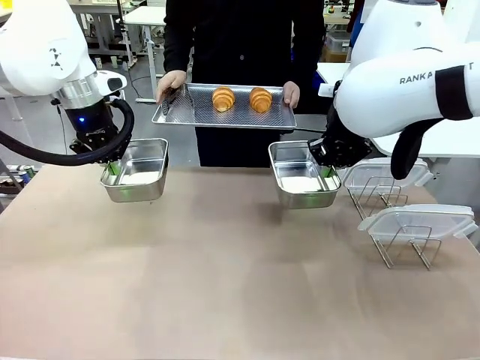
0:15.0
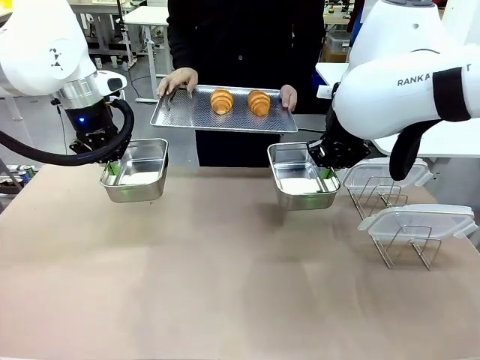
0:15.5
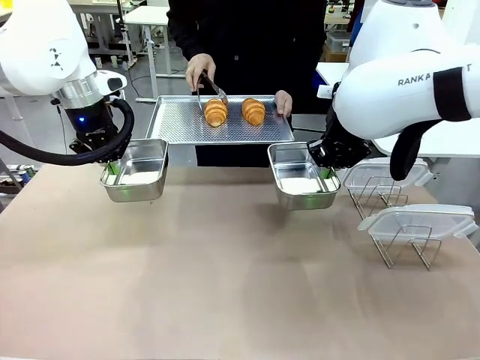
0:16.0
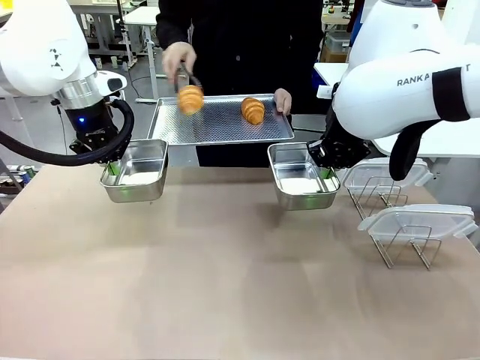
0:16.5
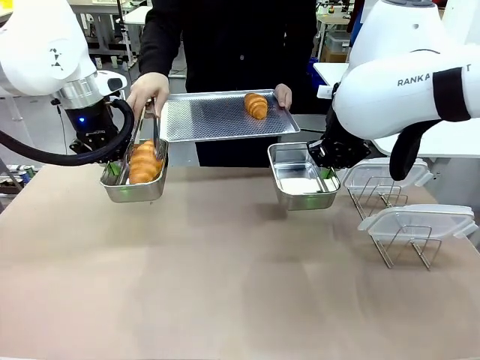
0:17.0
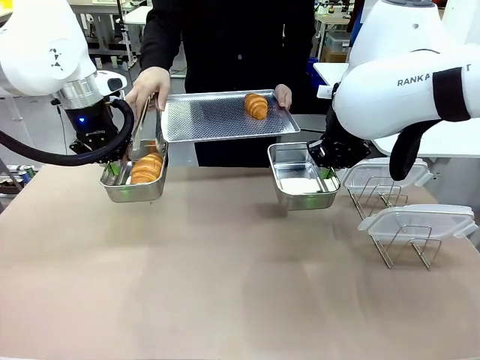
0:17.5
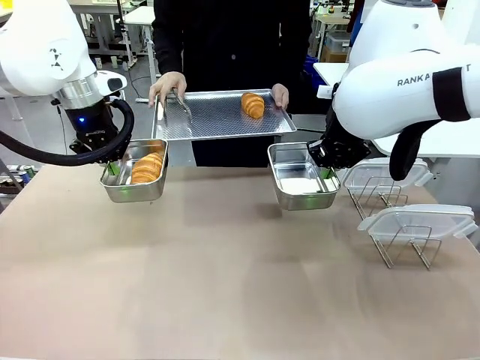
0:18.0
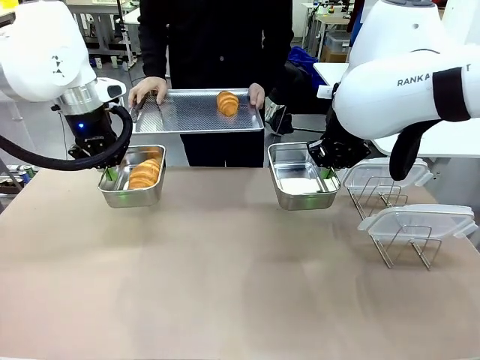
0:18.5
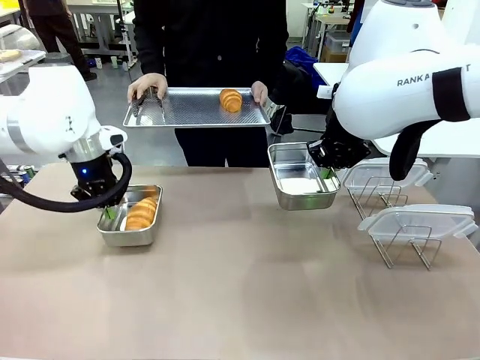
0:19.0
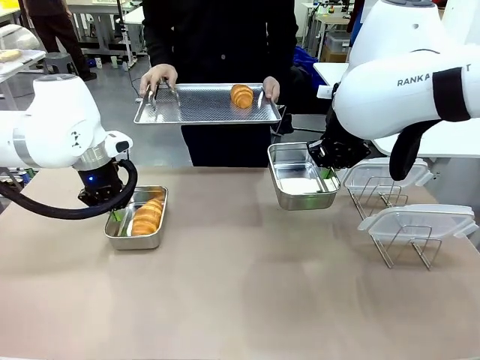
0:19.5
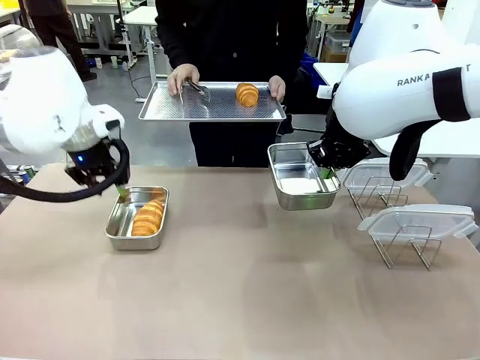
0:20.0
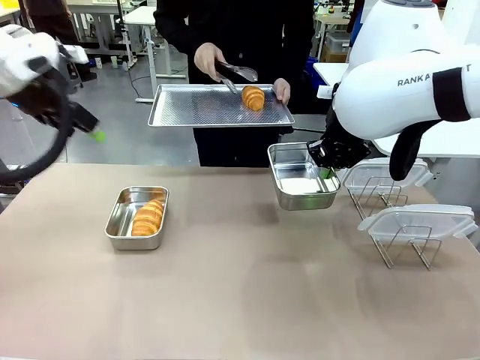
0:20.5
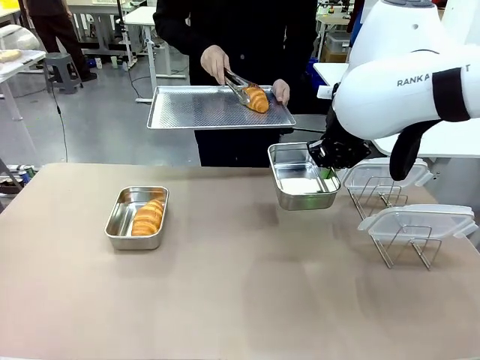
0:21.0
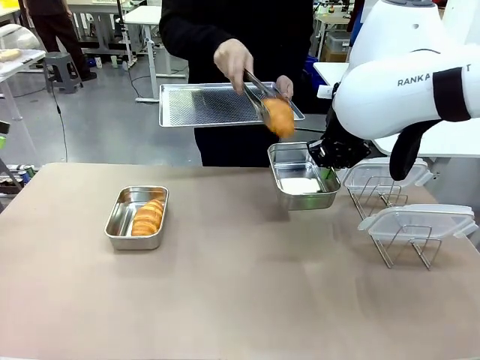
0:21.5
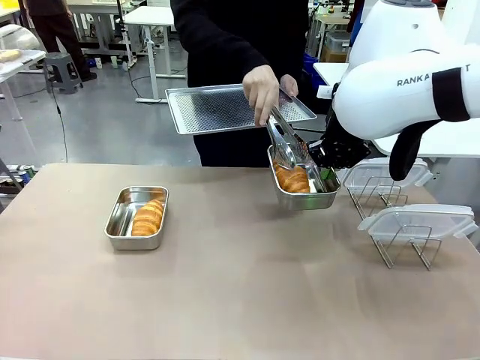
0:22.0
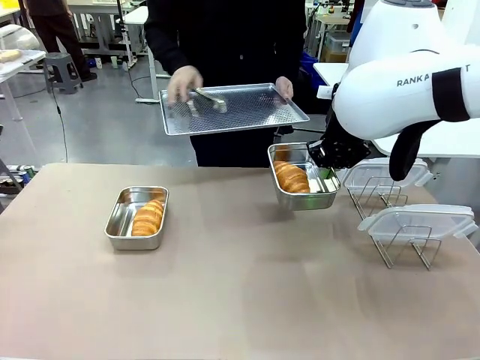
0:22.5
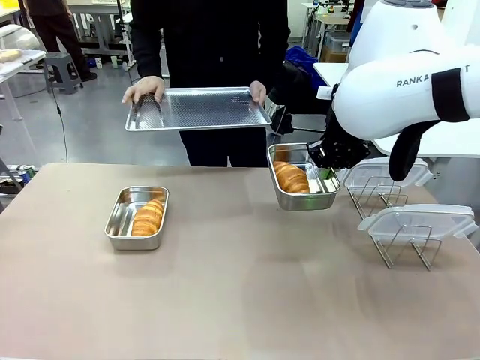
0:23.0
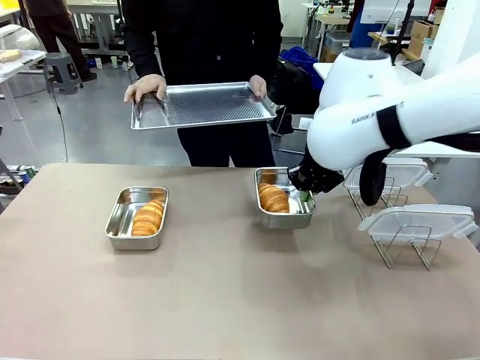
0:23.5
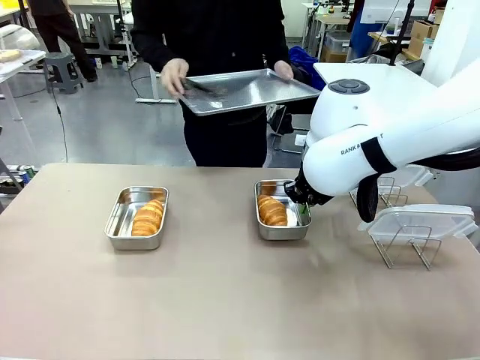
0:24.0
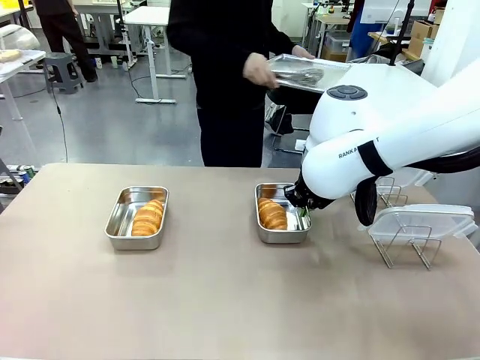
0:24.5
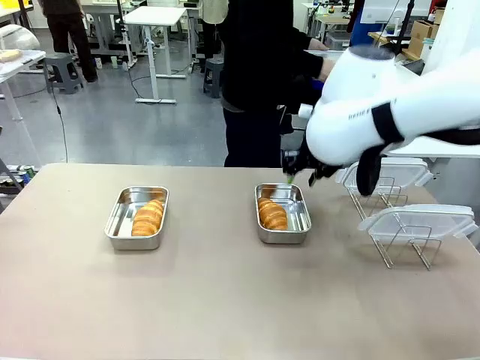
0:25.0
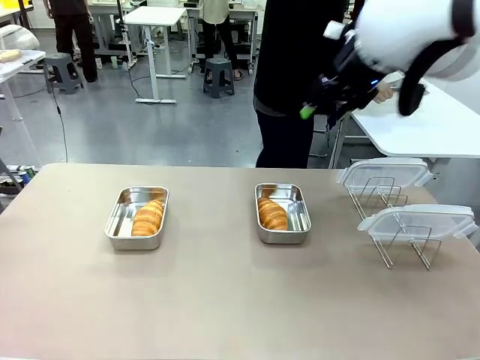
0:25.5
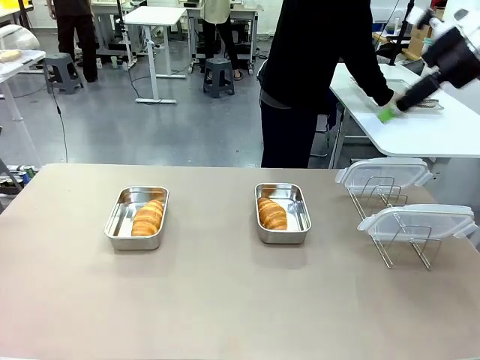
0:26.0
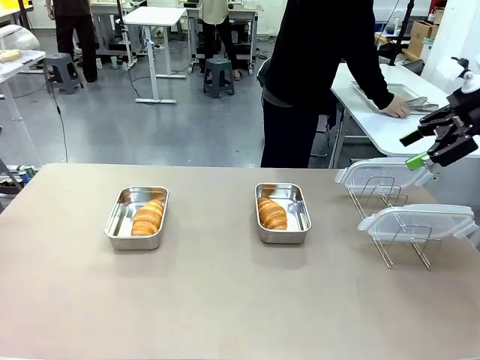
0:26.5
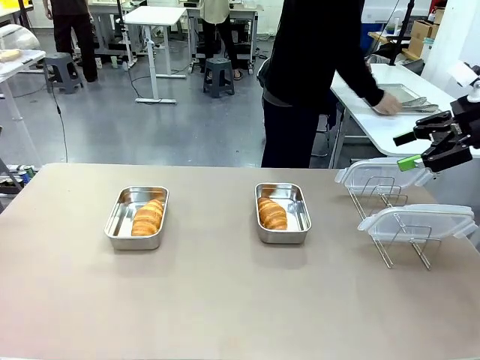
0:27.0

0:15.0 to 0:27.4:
Task: Place the bread in airtight containers.
Robot: Once an object is inside an Airtight Container , place the container in the center of the table.
Person: Use the Stainless steel tongs to place one object from Baking Sheet into one Airtight Container. Place Baking Sheet on the Human's Table.

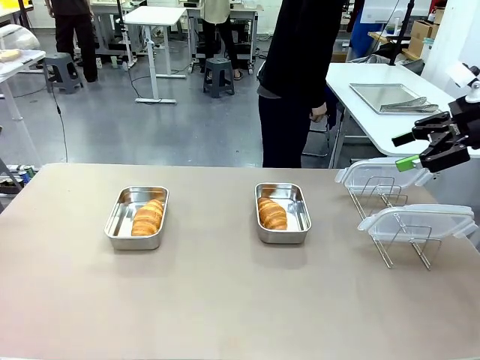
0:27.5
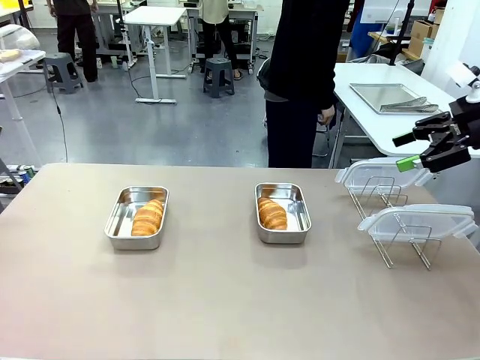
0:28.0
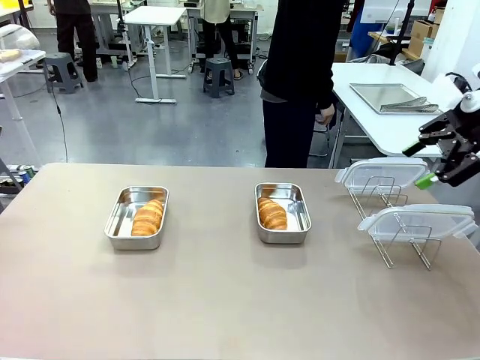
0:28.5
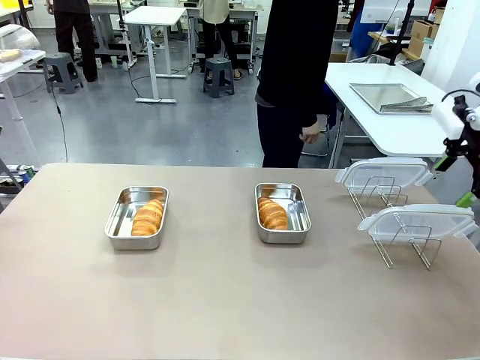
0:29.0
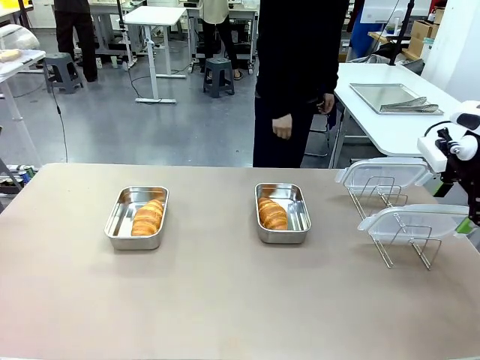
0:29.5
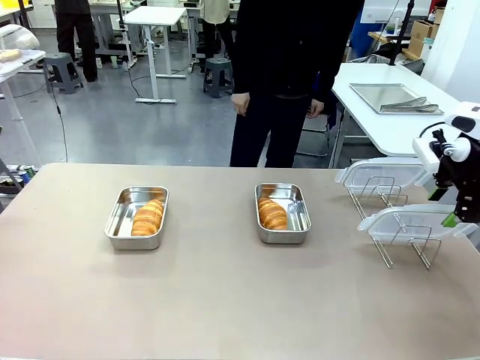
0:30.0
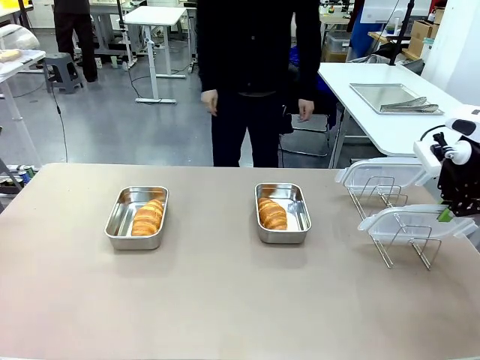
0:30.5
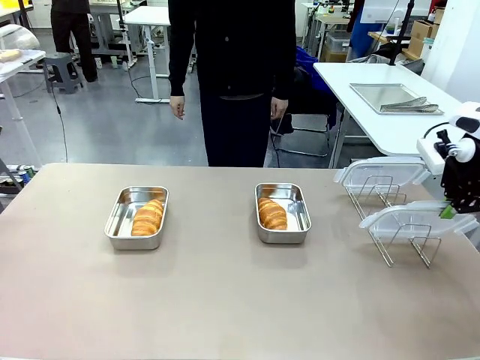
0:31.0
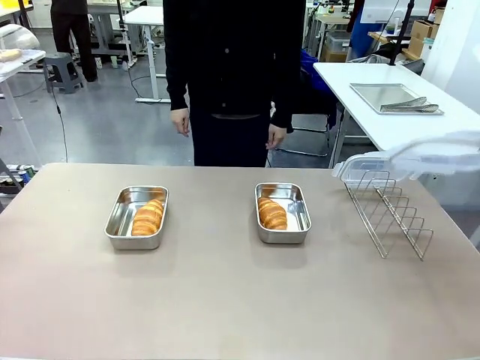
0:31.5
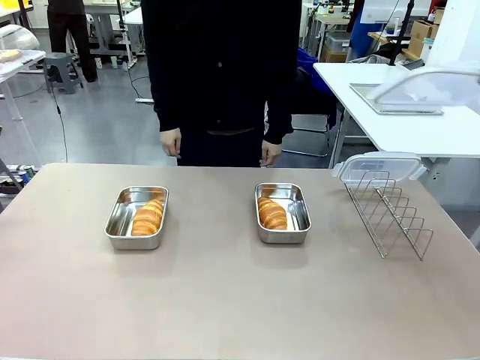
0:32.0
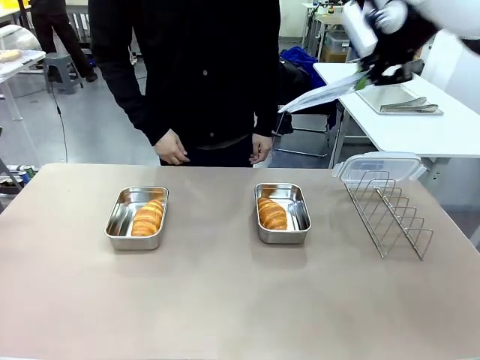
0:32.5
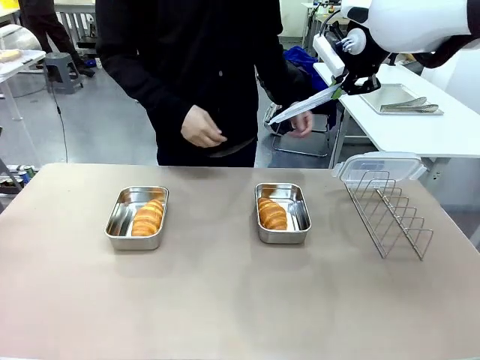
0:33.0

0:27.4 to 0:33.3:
Robot: Pick up one Airtight Container lid and hand it to the human.
Person: Grip Airtight Container lid that robot is handing.

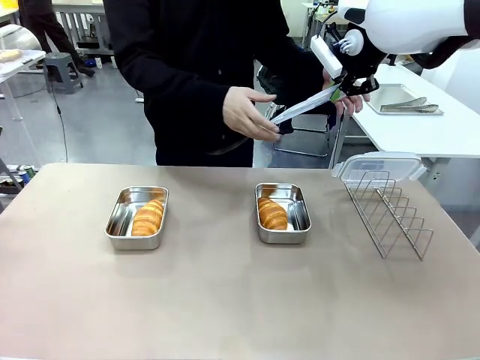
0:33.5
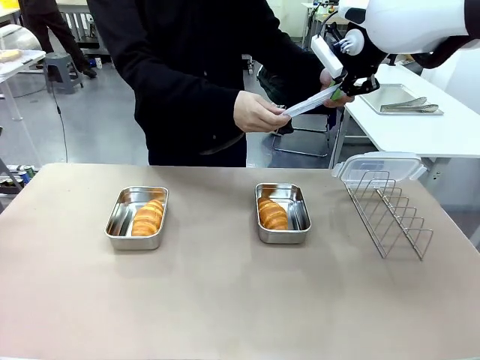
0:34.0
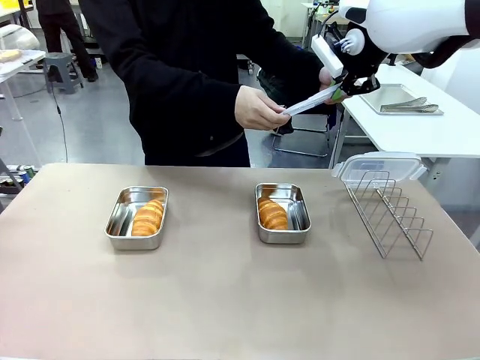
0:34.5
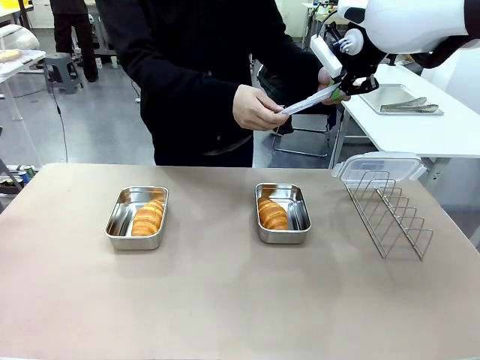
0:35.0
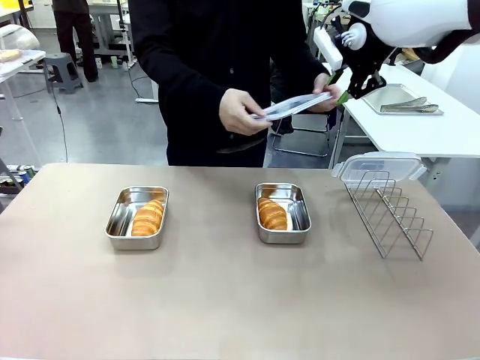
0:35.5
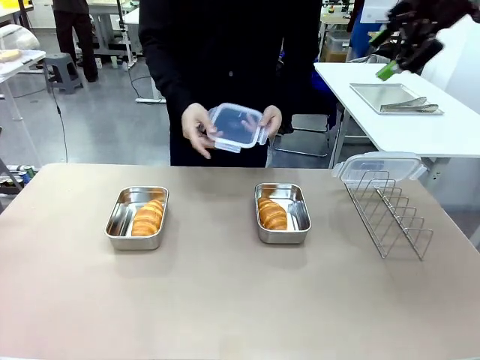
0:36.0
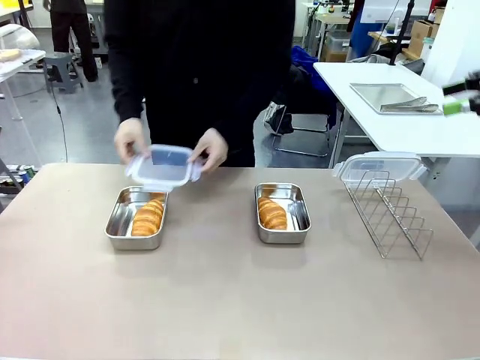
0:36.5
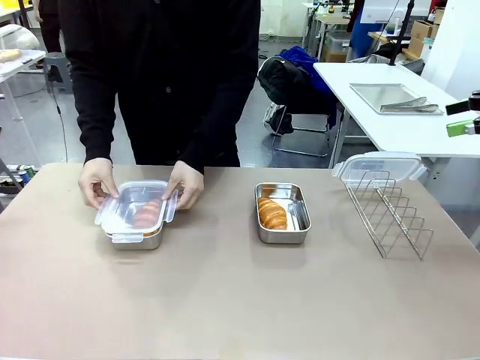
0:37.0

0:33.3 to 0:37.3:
Robot: Release when the human grabs the Airtight Container lid.

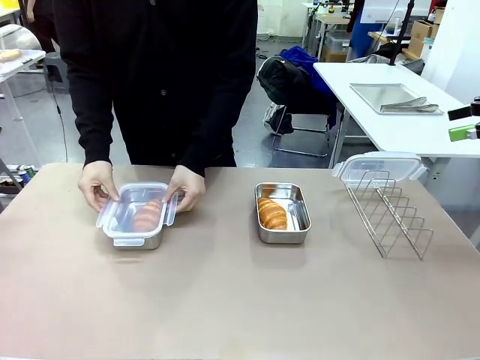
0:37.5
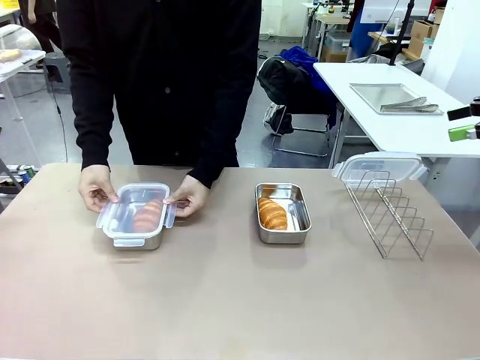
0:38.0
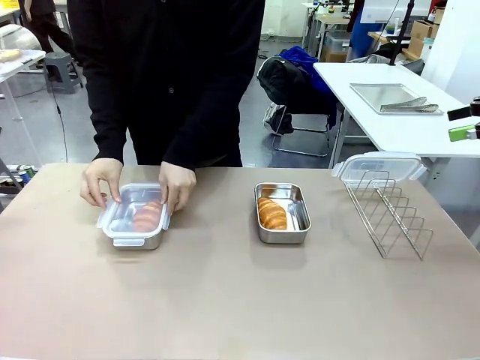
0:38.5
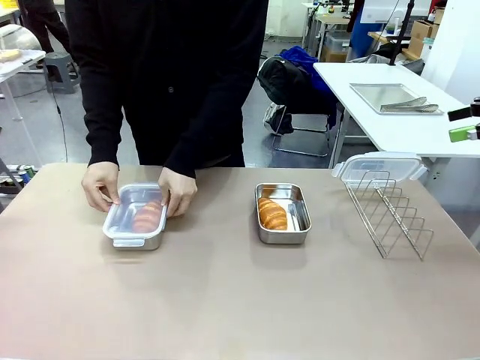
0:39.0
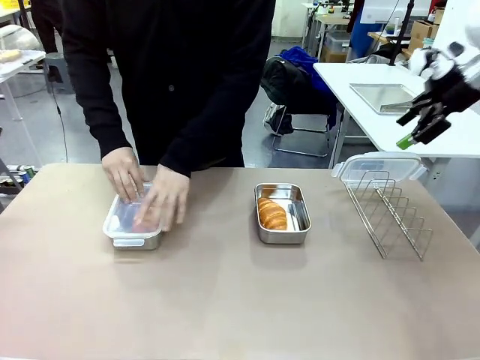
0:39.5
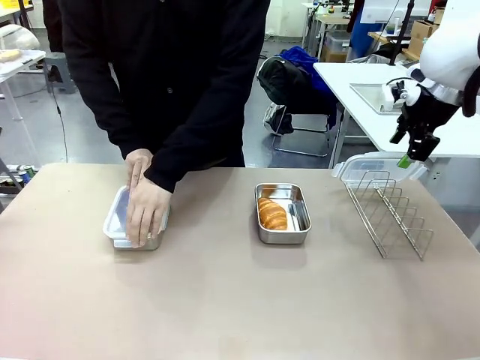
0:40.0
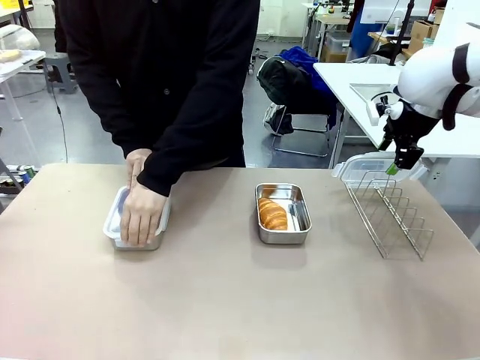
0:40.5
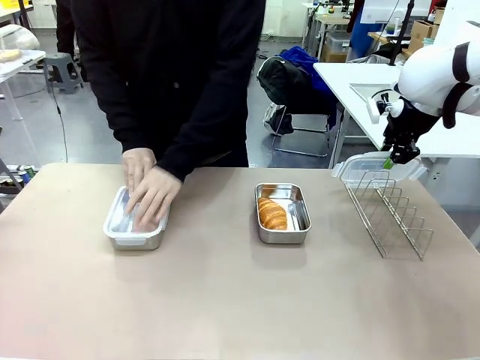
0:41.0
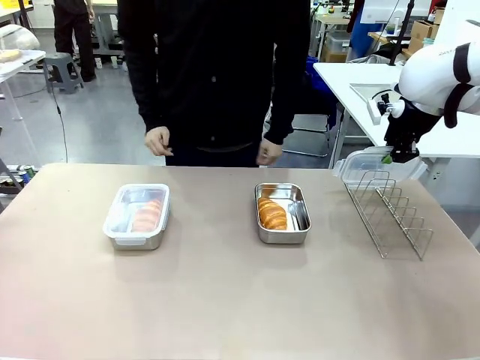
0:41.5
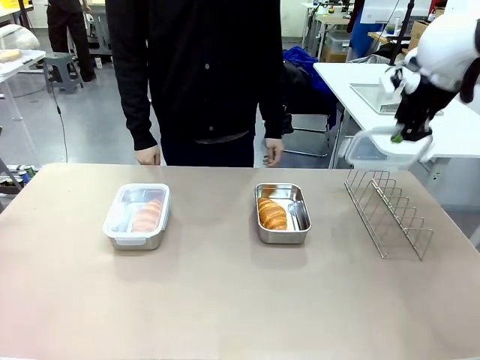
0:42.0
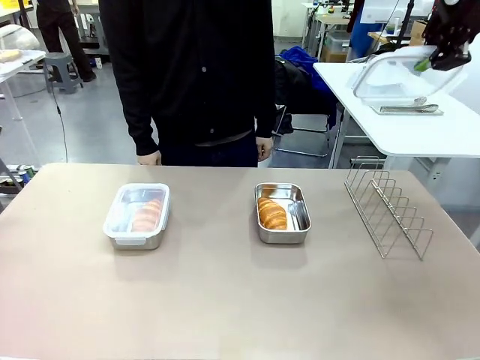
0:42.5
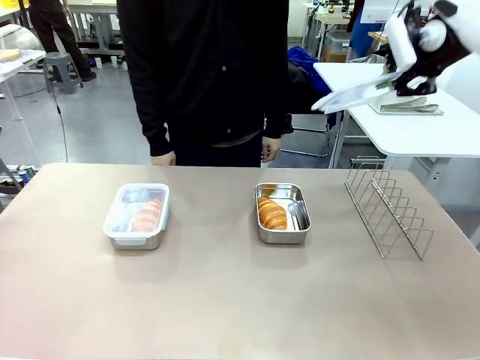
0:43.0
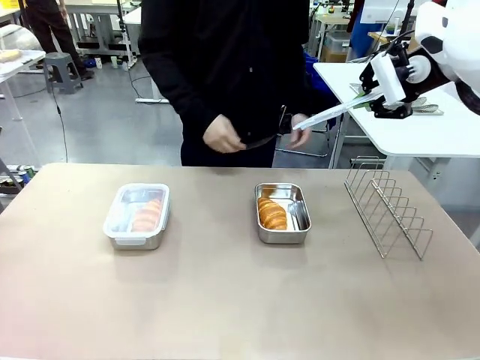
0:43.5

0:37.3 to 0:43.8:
Robot: Pick up one Airtight Container lid and hand it to the human.
Person: Close Airtight Container with a handed Airtight Container lid. Grip Airtight Container lid that robot is handing.
